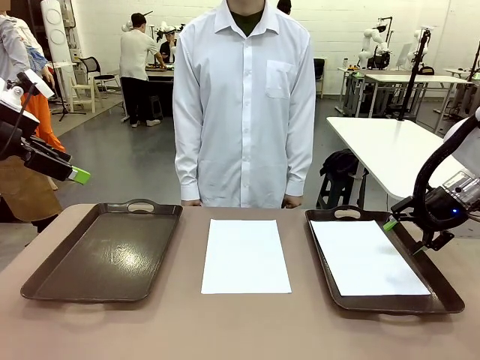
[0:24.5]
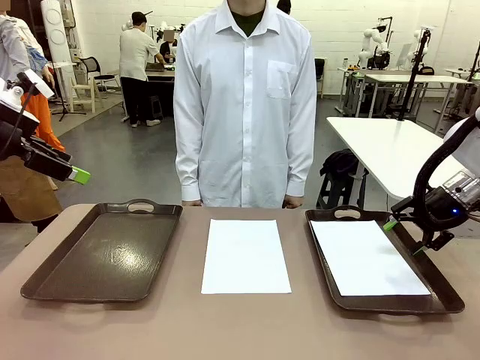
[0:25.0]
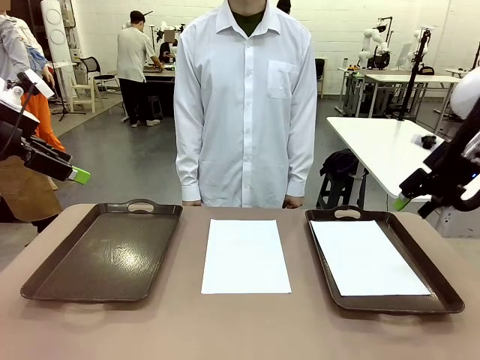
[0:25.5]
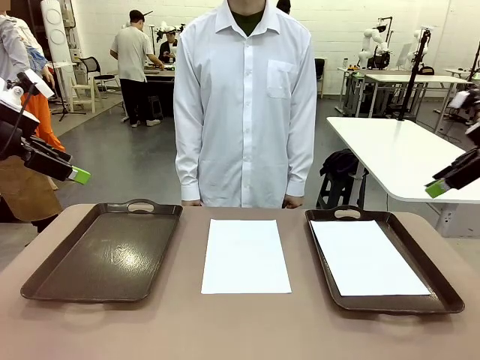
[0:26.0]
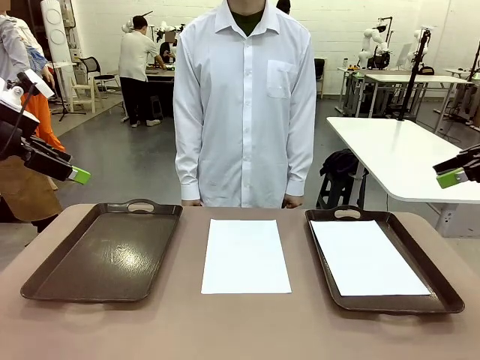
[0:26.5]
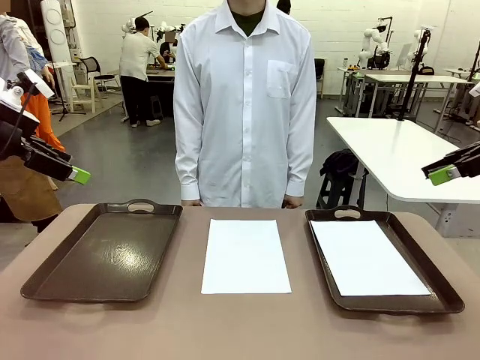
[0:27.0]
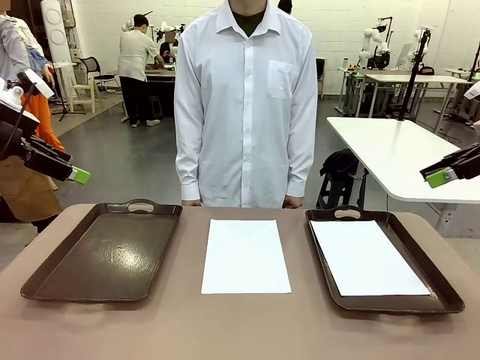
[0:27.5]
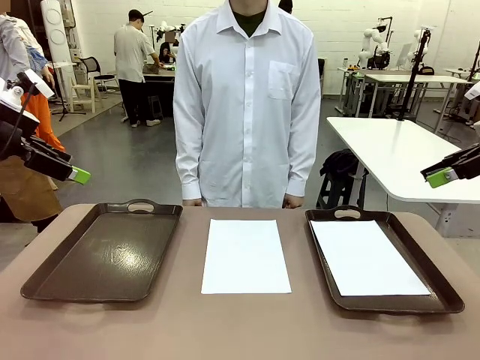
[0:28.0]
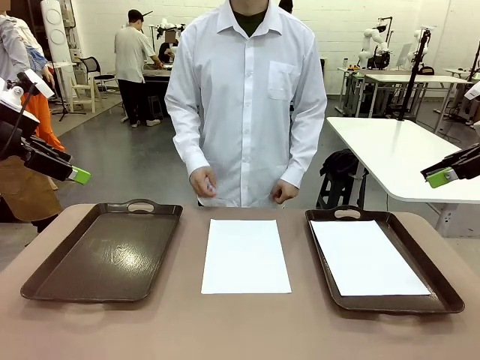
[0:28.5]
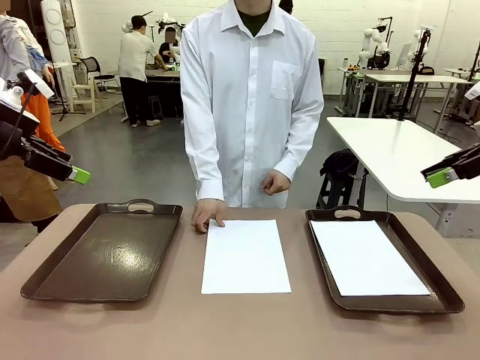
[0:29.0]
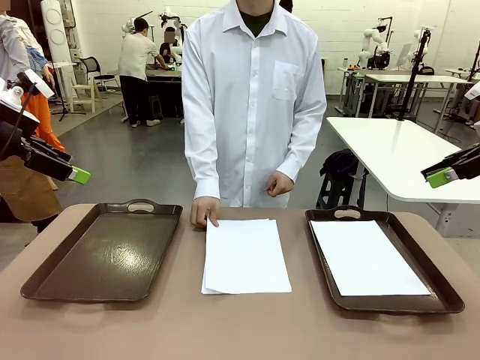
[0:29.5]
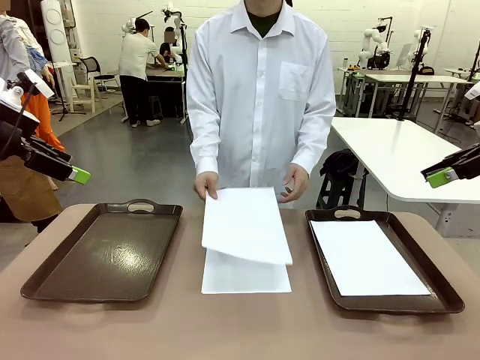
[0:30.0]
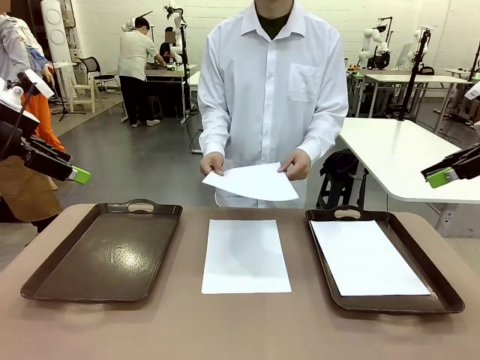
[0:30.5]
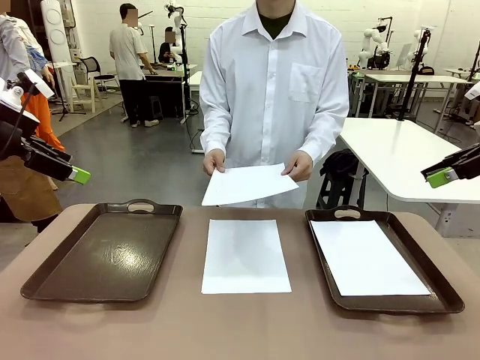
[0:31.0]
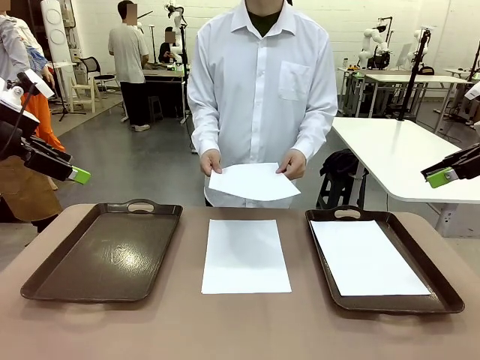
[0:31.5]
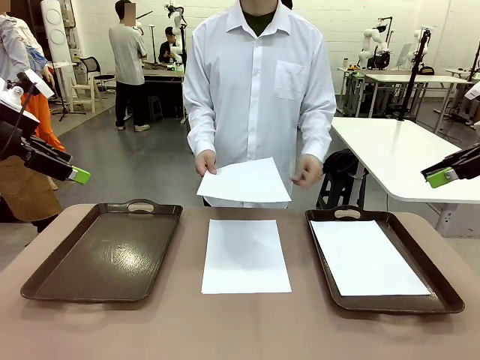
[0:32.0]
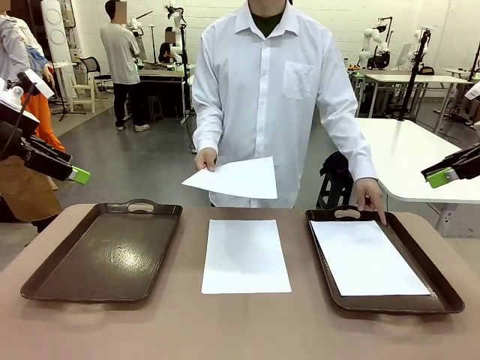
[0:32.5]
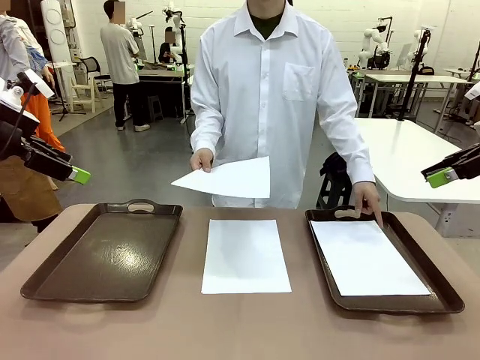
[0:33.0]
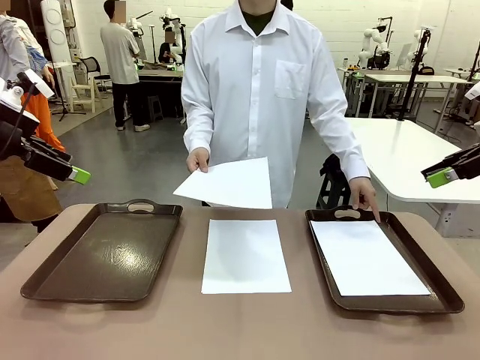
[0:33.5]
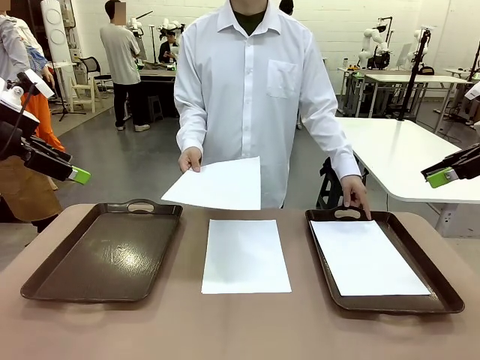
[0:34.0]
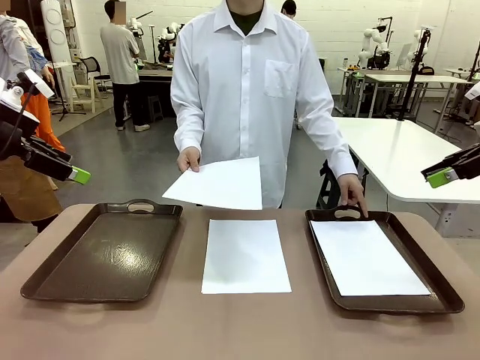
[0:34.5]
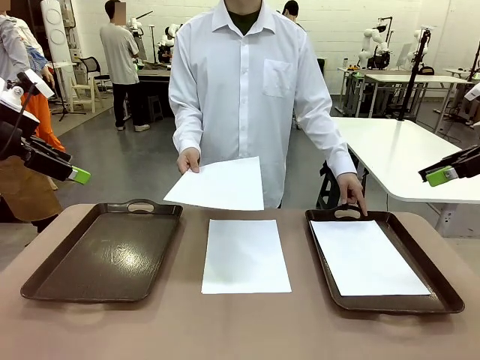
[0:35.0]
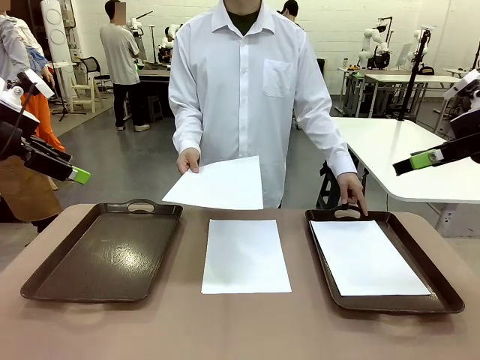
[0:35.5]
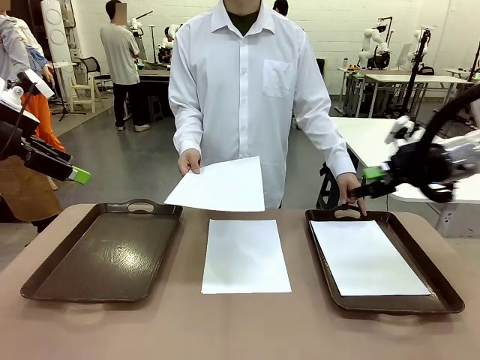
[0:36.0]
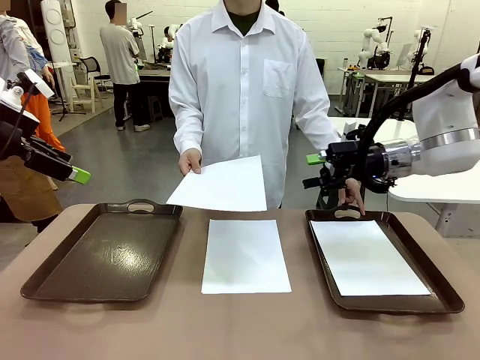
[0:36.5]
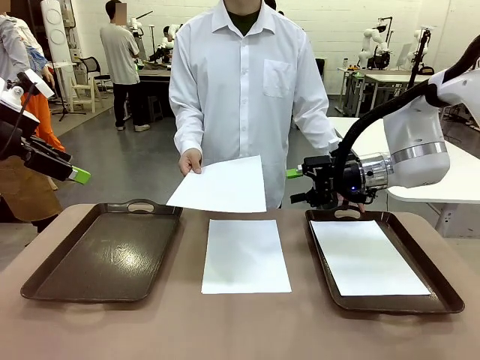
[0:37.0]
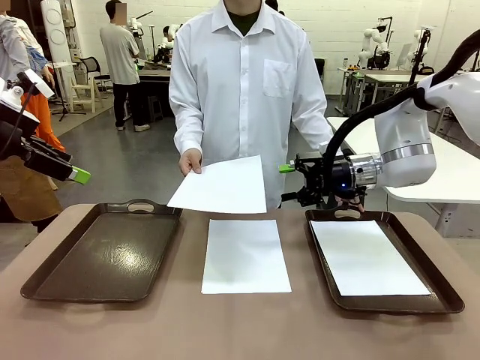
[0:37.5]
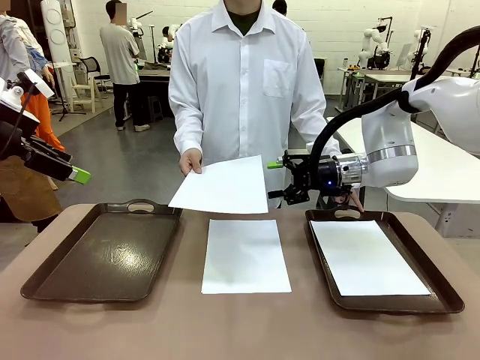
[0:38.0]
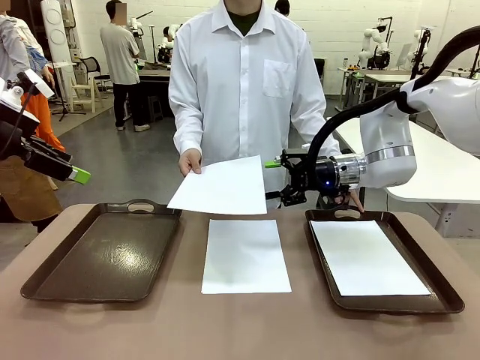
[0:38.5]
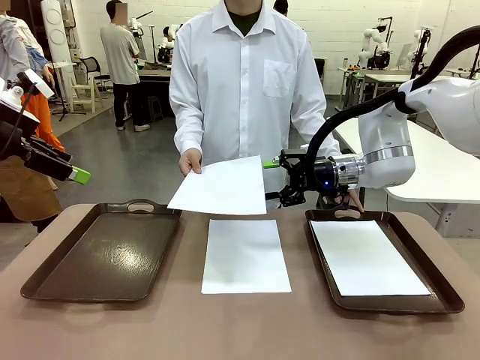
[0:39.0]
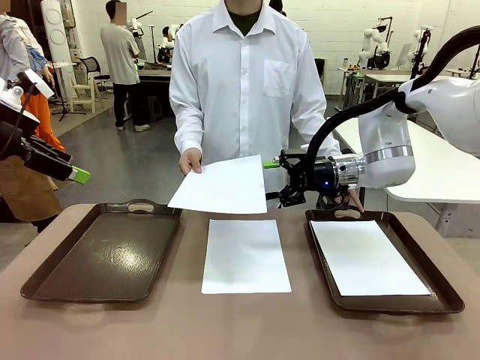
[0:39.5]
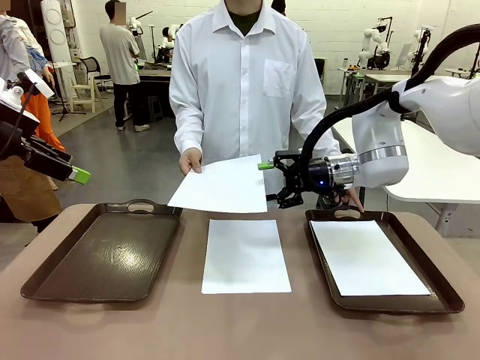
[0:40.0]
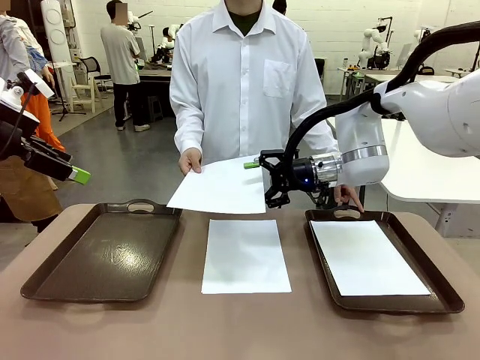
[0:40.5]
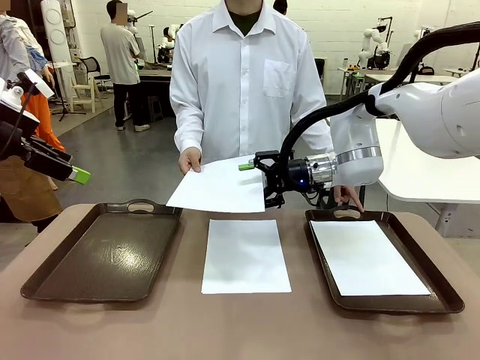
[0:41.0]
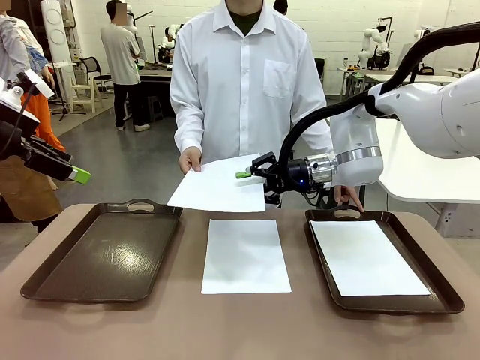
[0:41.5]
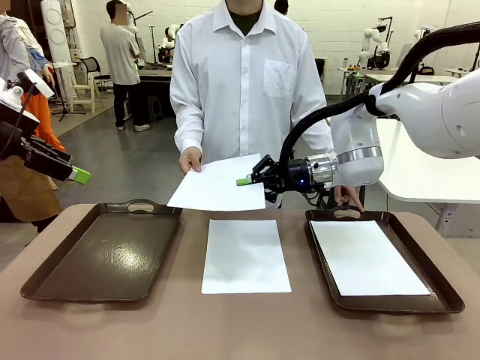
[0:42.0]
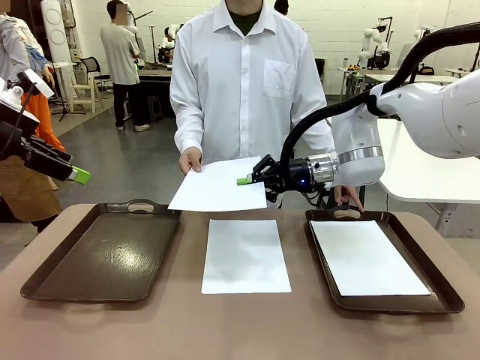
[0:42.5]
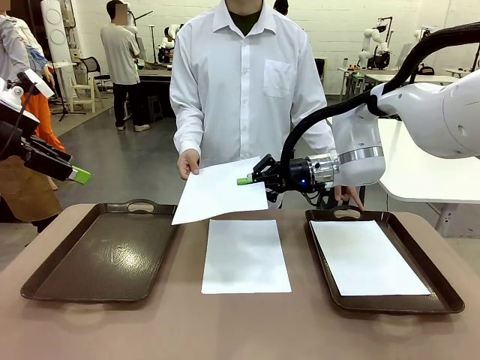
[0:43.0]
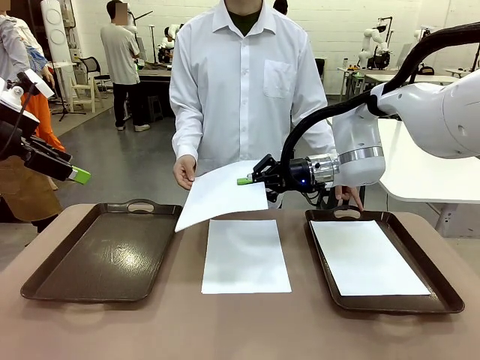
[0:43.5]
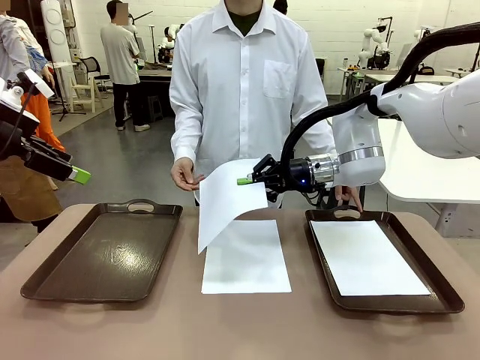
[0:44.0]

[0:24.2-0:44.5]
Task: Sort the A4 documents.
Robot: Receive the A4 Paper.
Person: Point the randomly selected tray with the other hand.

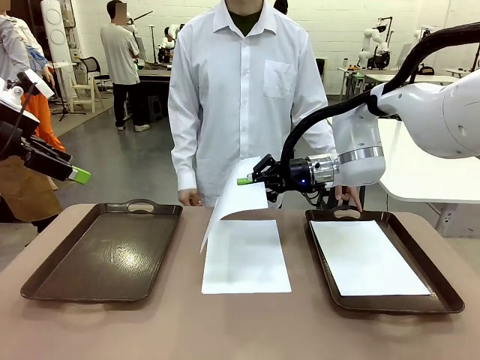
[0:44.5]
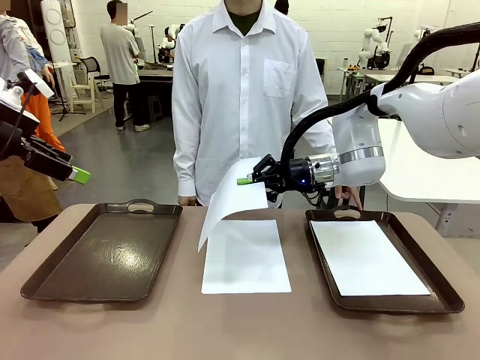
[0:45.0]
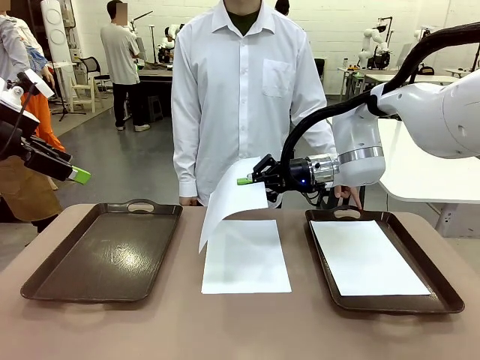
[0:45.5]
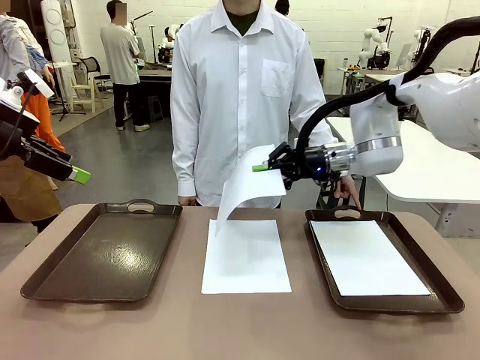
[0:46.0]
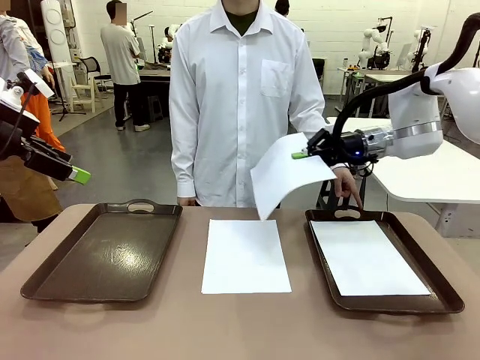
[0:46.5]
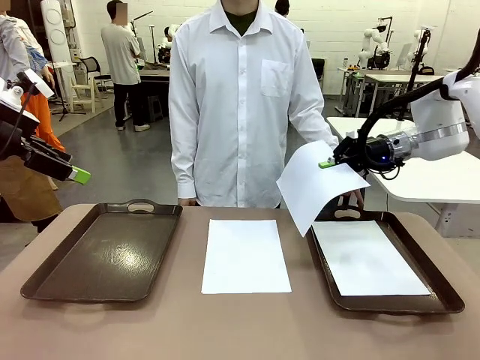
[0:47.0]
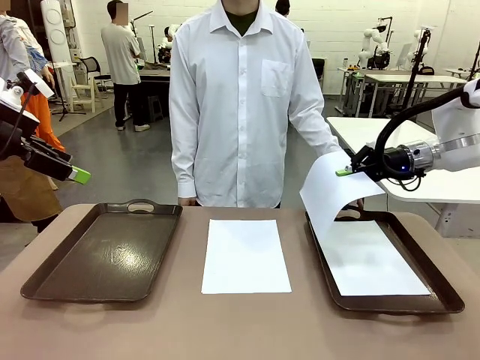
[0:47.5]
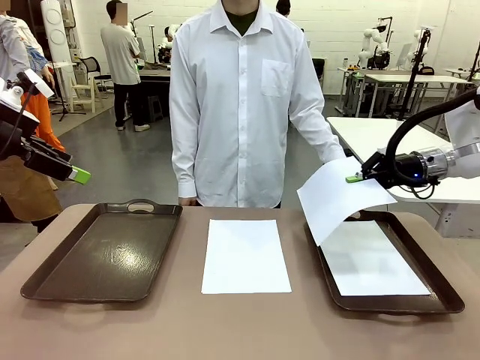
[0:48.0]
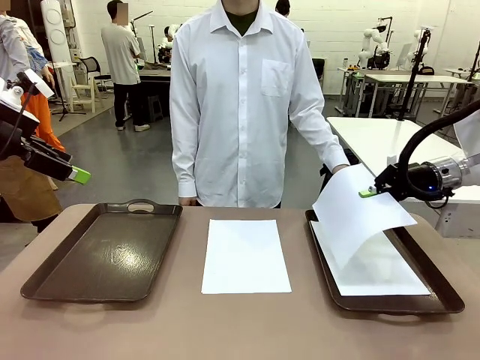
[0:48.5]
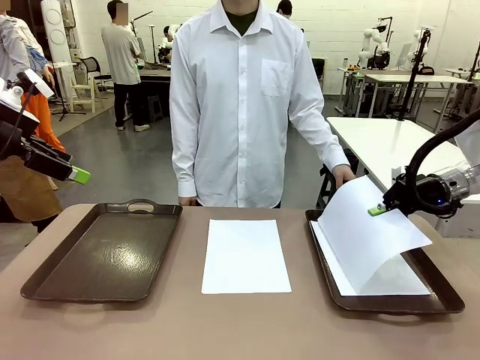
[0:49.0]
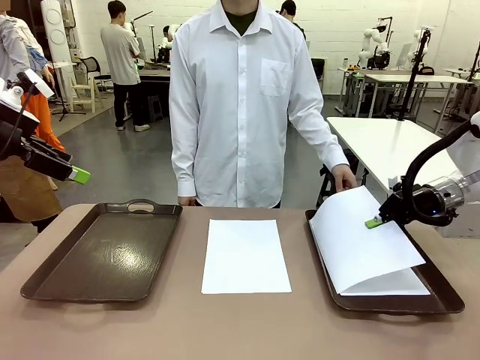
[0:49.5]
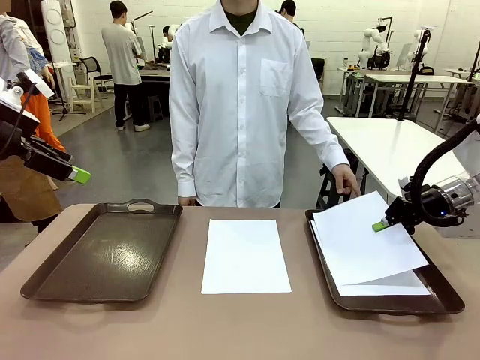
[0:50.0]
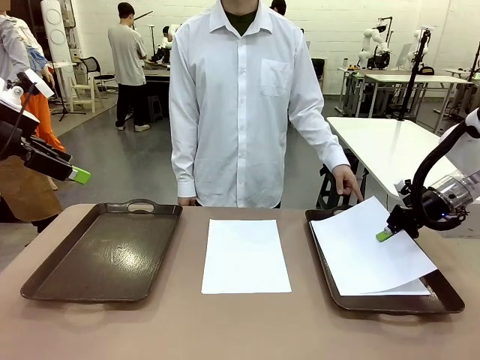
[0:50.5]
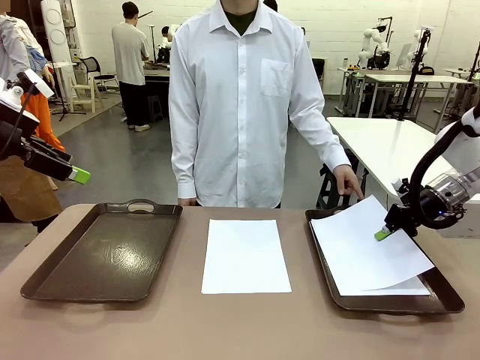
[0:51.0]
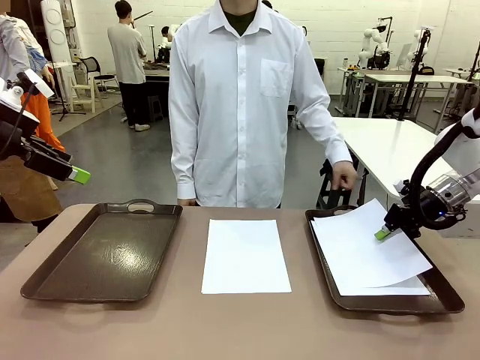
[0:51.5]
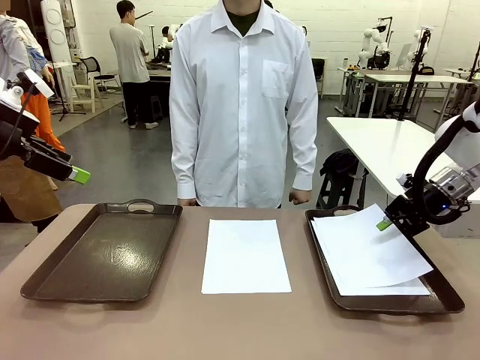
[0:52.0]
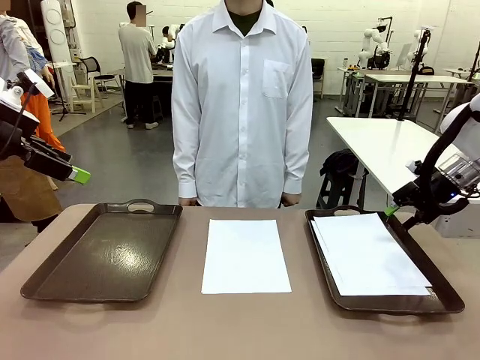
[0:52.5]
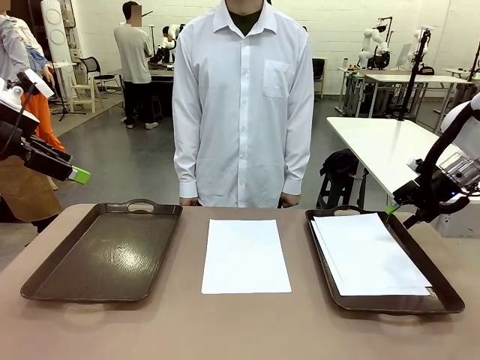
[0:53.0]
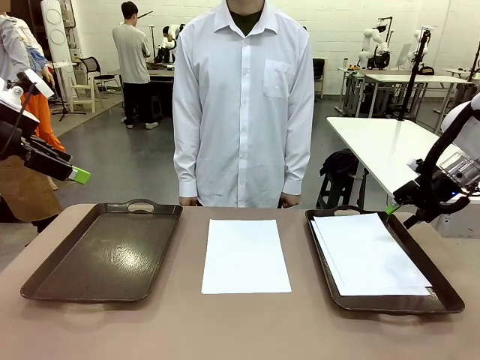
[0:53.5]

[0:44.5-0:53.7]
Robot: Place the A4 Paper in the designated Handle tray.
